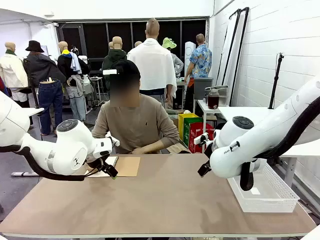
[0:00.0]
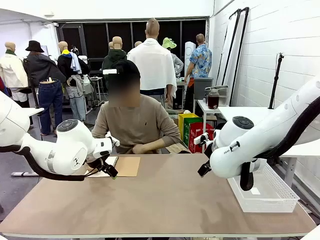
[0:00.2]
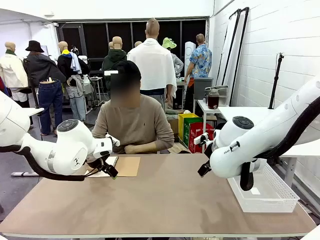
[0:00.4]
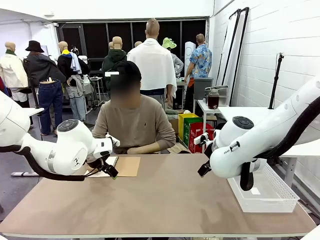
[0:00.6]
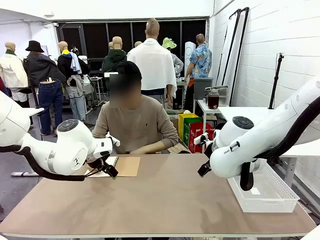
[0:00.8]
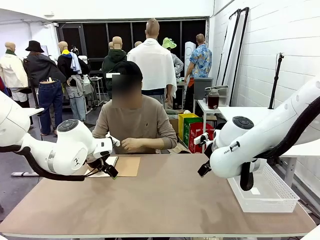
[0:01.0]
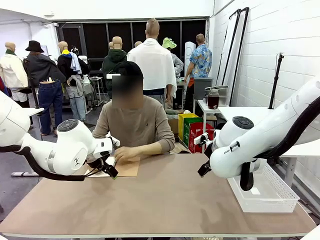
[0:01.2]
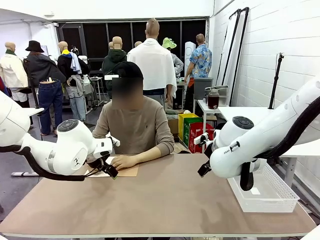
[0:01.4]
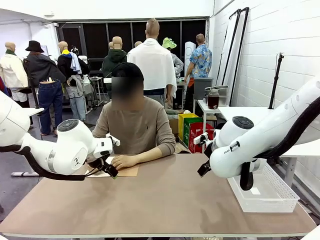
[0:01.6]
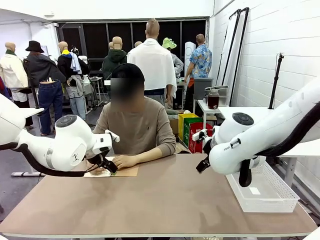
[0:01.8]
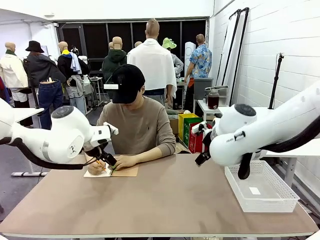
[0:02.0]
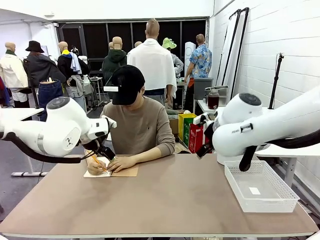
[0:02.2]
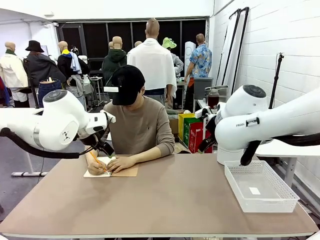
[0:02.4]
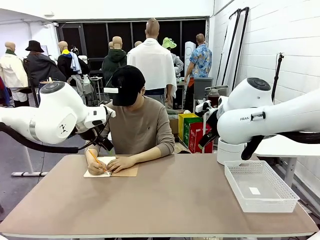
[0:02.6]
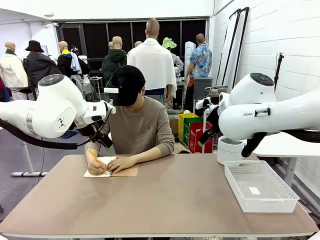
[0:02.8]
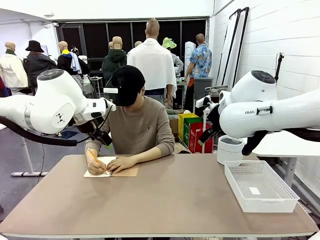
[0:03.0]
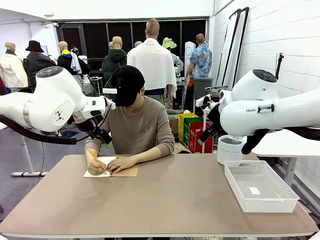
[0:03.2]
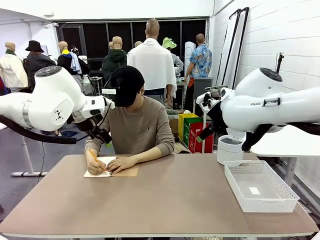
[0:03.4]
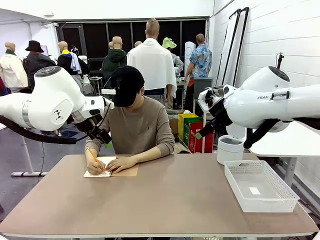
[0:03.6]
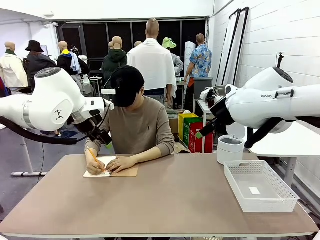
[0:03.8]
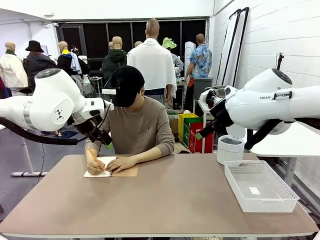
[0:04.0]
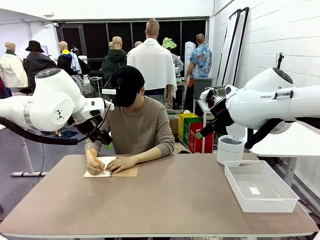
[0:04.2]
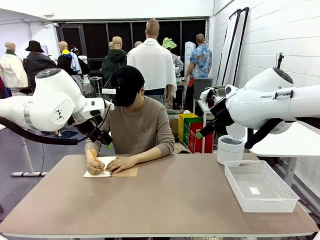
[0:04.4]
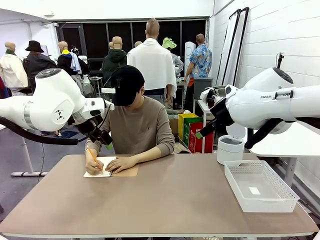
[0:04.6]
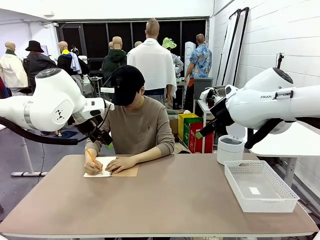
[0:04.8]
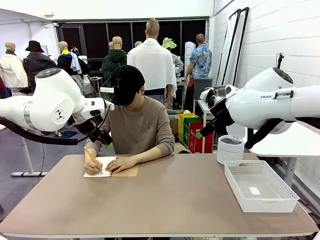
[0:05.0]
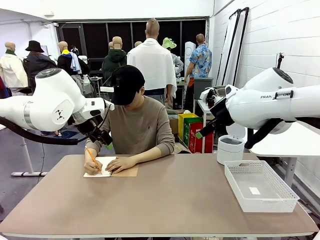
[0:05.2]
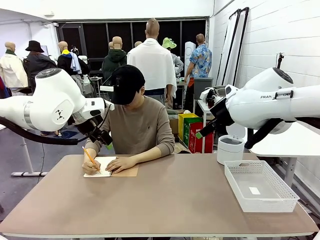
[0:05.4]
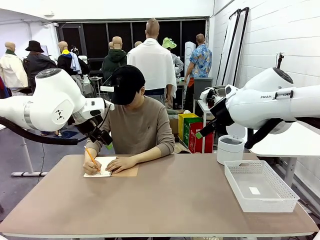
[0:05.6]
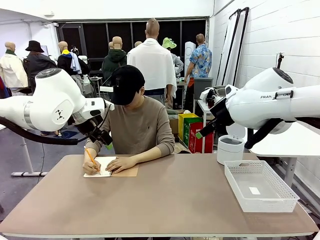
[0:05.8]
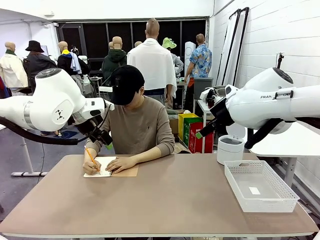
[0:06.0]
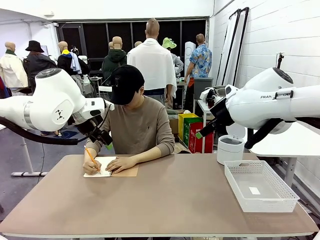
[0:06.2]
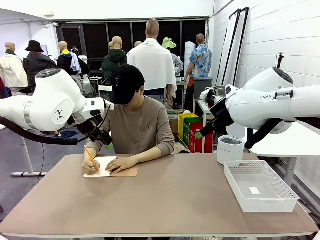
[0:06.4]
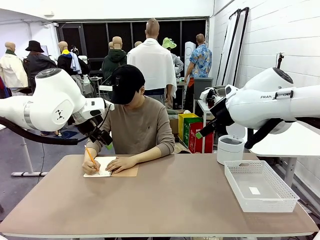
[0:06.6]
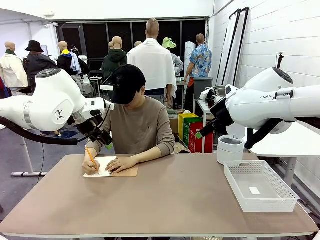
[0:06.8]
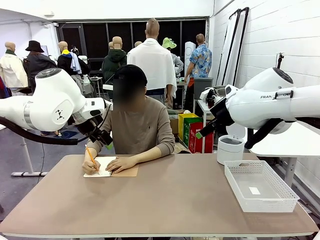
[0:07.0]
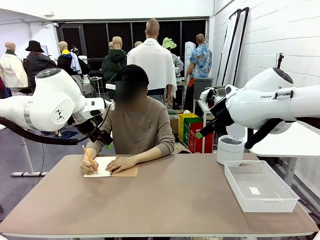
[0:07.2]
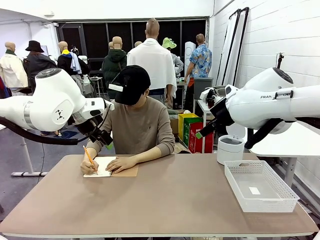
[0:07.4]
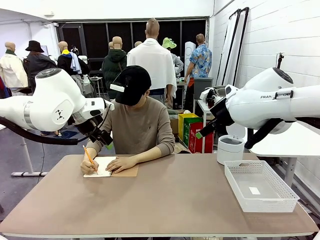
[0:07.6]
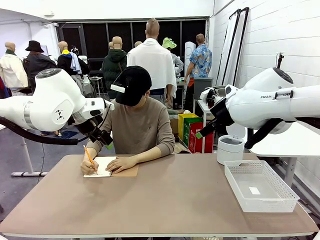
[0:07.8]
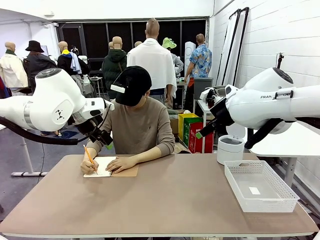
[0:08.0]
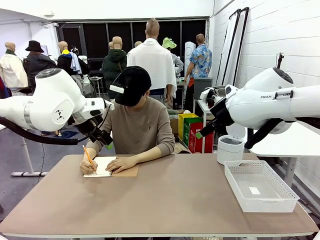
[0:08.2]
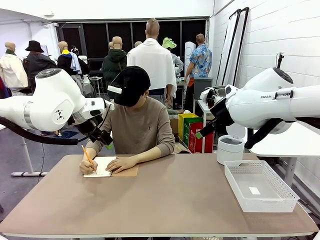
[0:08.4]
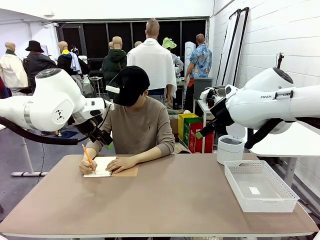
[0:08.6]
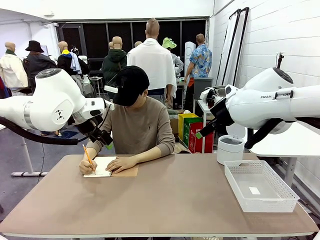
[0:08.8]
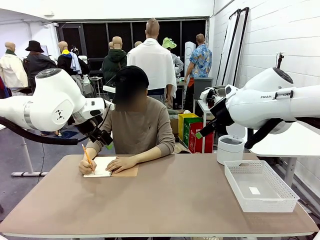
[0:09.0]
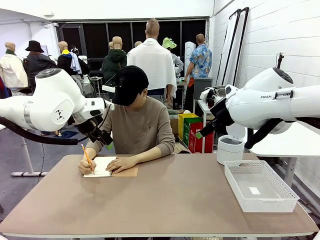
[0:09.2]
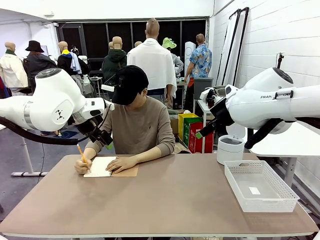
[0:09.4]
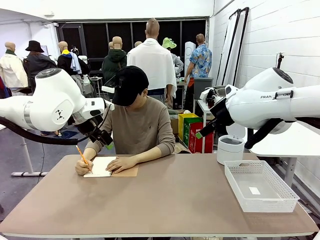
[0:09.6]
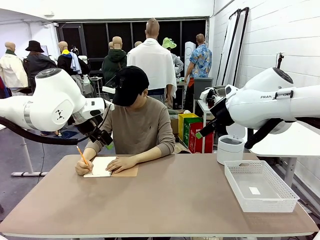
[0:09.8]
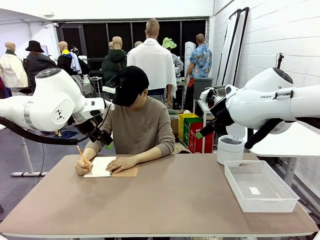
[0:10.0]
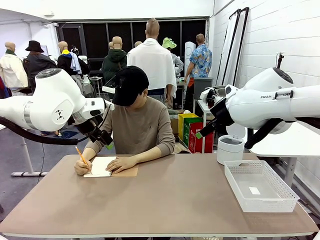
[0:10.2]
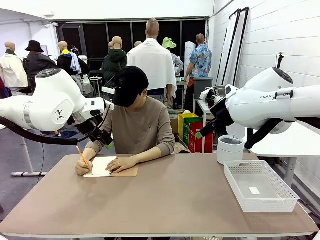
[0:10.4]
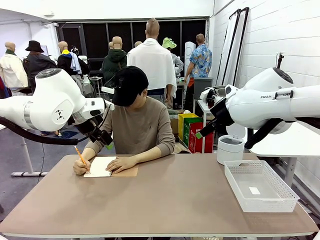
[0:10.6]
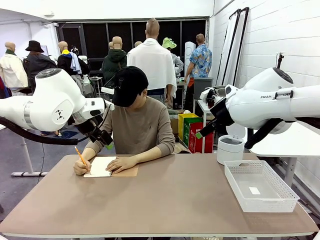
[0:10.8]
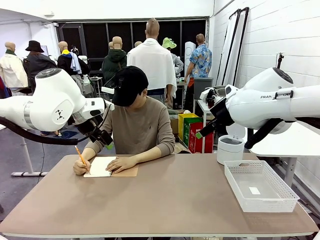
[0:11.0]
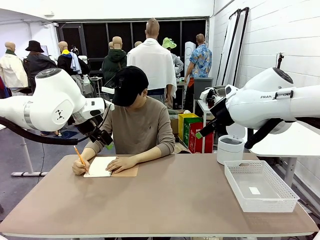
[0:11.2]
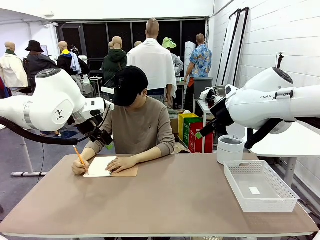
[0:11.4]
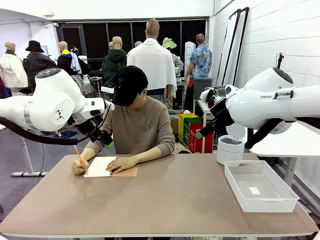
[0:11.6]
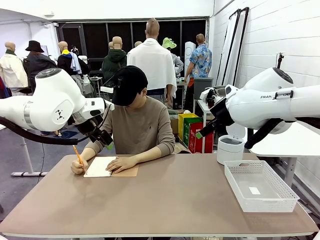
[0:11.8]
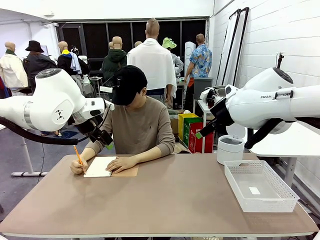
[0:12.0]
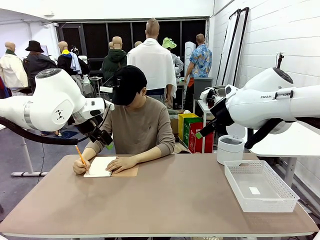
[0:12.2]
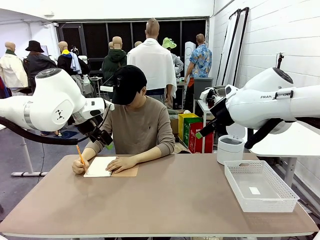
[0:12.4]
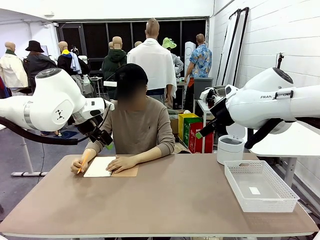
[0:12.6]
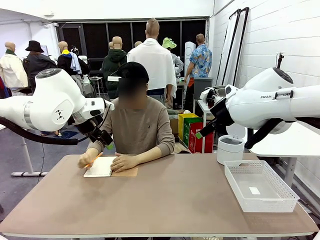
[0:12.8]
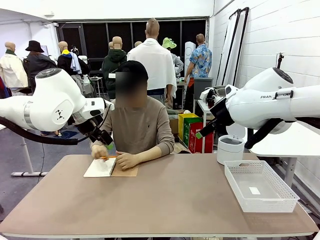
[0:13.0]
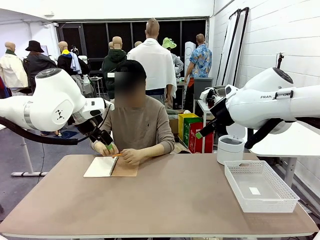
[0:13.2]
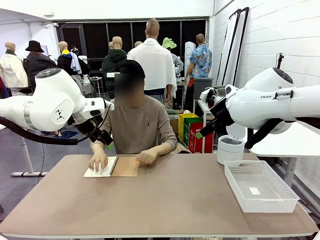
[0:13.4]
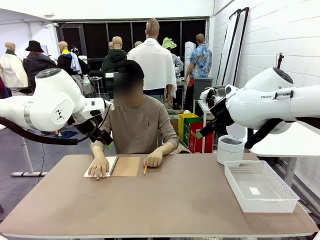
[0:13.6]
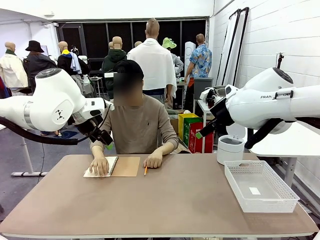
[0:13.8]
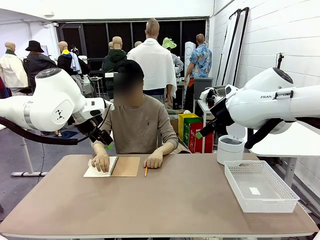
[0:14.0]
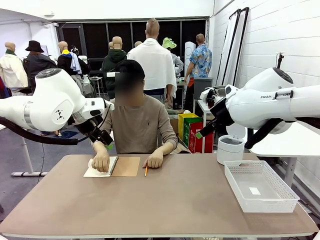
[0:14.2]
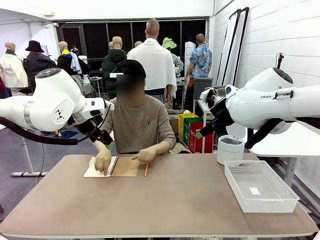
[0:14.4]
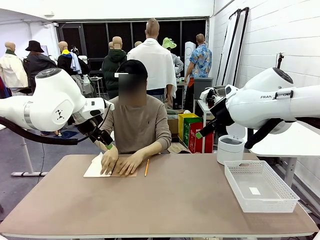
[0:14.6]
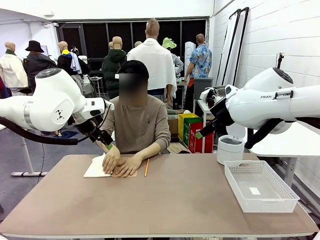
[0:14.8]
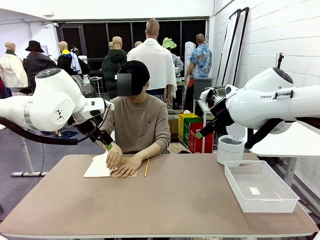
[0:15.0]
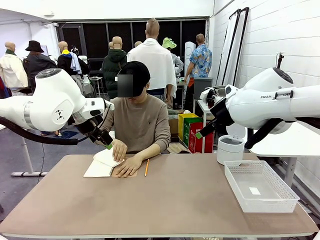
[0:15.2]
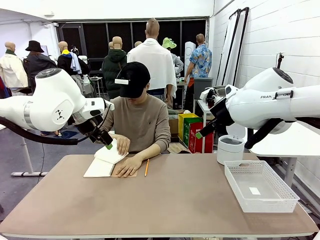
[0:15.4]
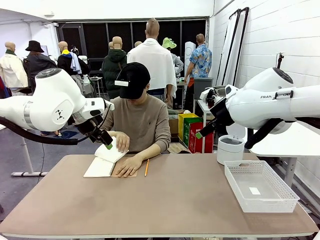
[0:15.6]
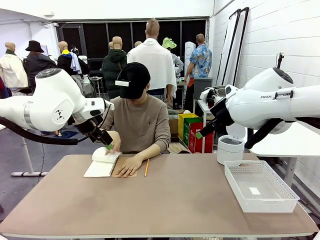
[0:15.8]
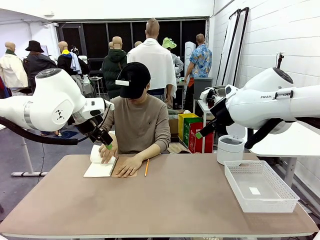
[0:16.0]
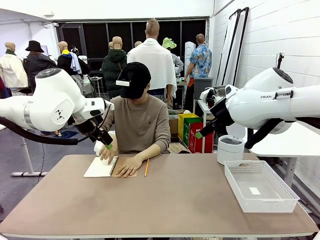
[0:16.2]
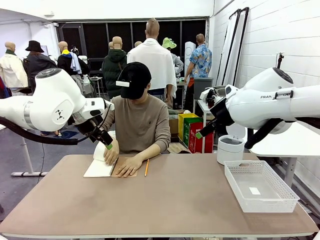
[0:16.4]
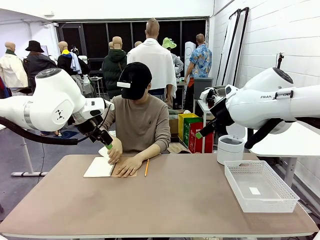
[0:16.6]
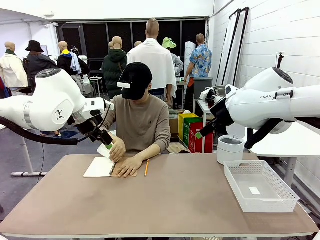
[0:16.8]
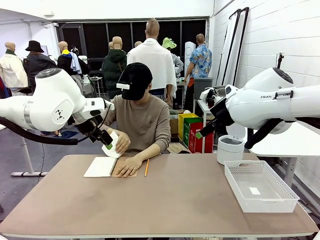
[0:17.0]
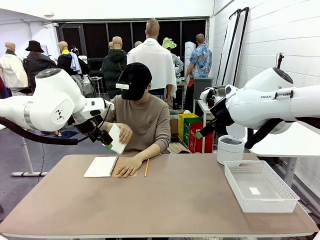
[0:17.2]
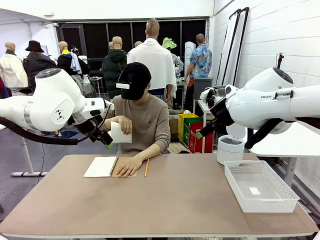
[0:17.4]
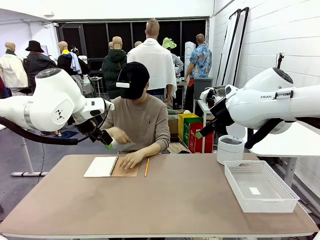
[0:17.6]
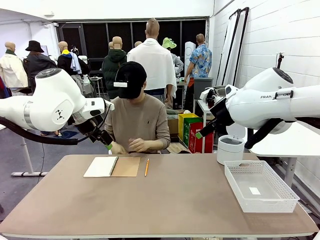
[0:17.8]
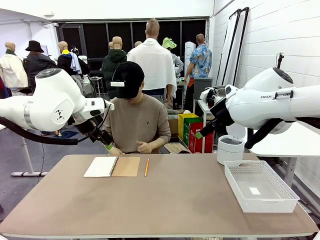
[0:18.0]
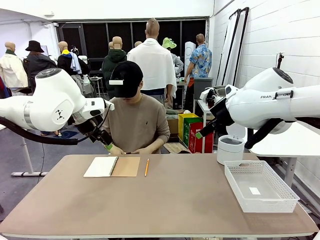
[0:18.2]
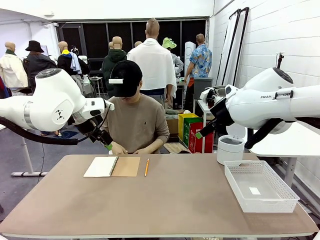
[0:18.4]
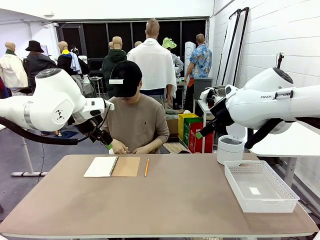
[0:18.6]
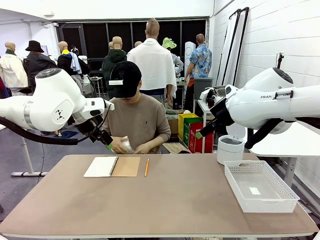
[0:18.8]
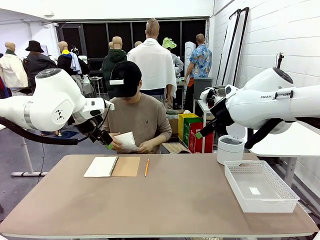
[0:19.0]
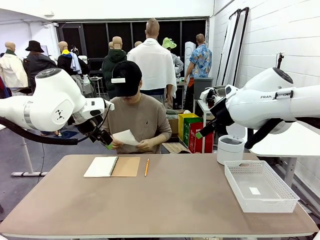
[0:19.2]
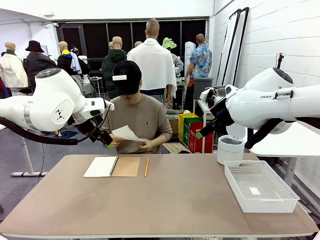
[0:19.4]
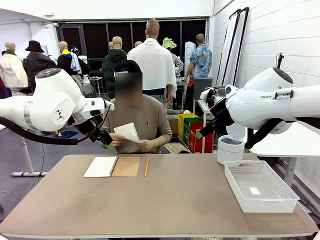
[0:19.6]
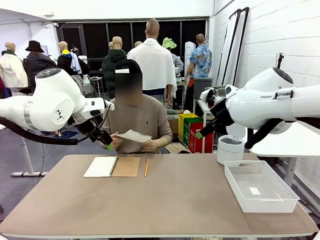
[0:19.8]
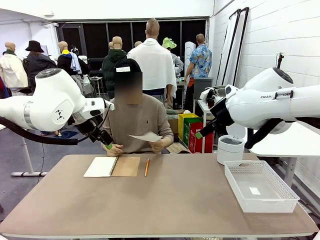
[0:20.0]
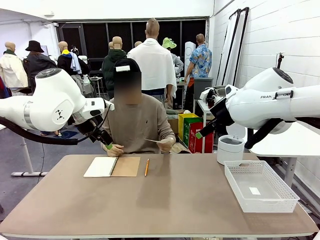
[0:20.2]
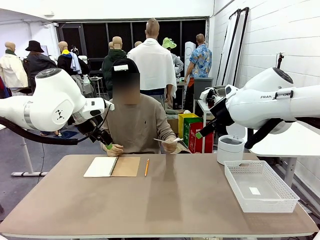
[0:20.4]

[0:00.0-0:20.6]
Task: Sort the paper based on its condition.
Robot: If a person hands you a paper, place it in the Organizing basket , and if it's crumpled, put it in the Trash can.
Person: Tear out a page from the spiral notebook. Hand the torn page to the robot or crumple it and throw it to the center of the table.
